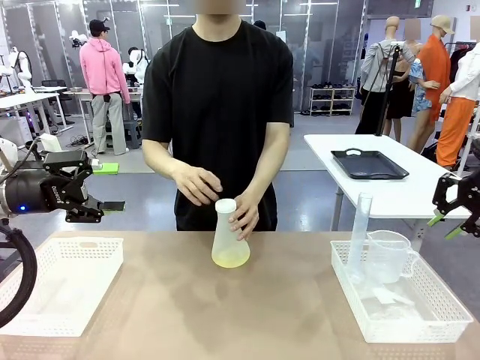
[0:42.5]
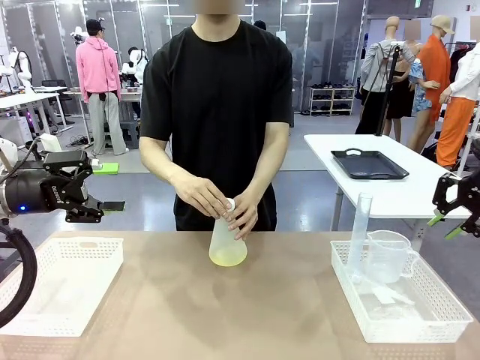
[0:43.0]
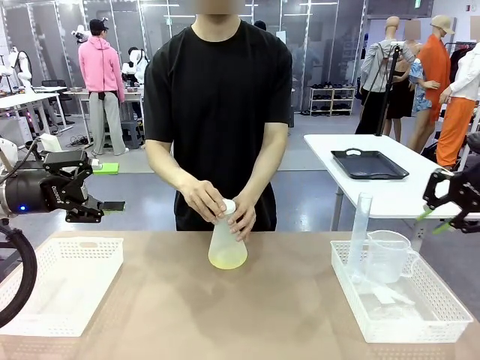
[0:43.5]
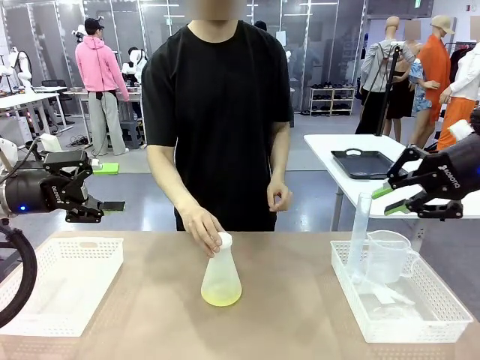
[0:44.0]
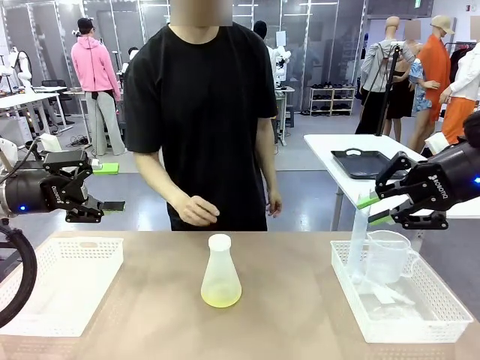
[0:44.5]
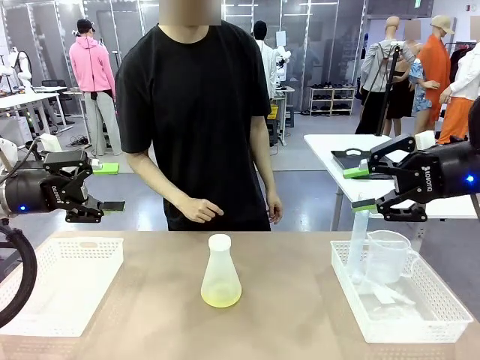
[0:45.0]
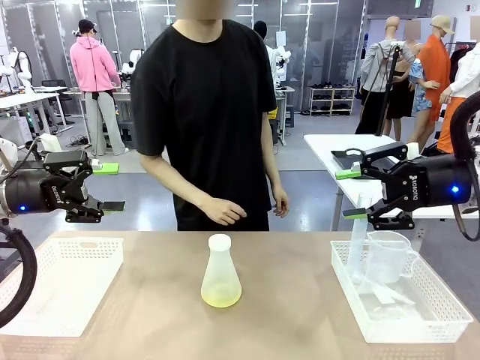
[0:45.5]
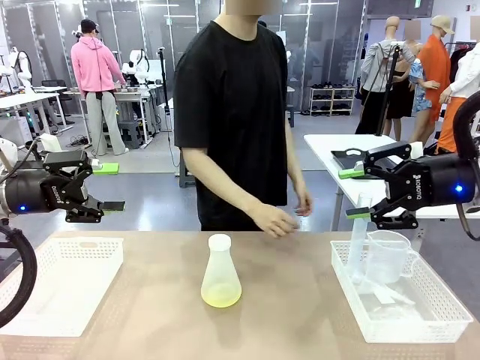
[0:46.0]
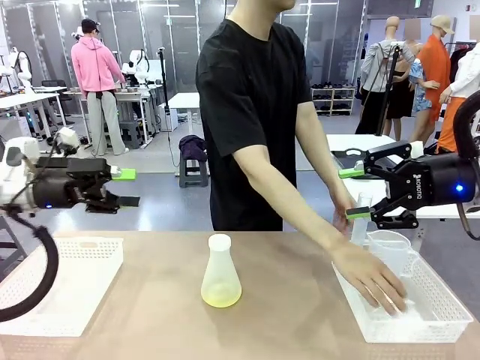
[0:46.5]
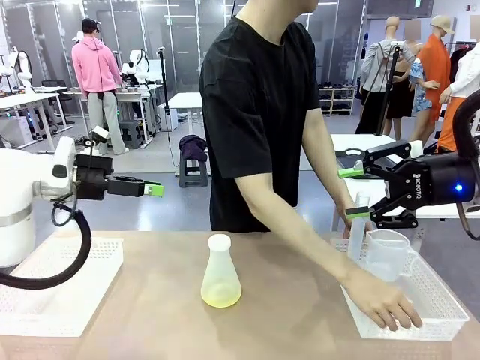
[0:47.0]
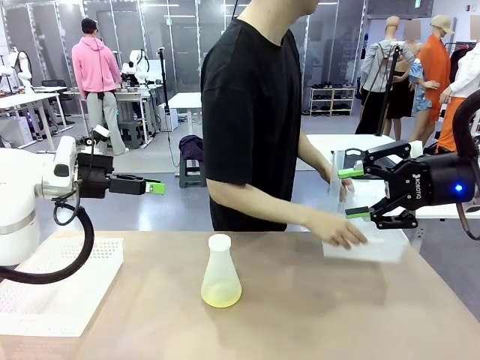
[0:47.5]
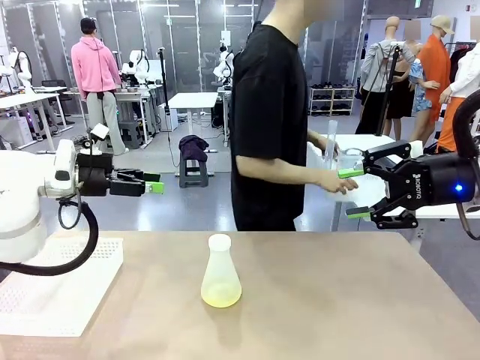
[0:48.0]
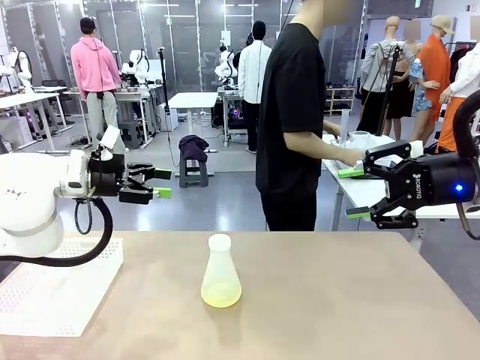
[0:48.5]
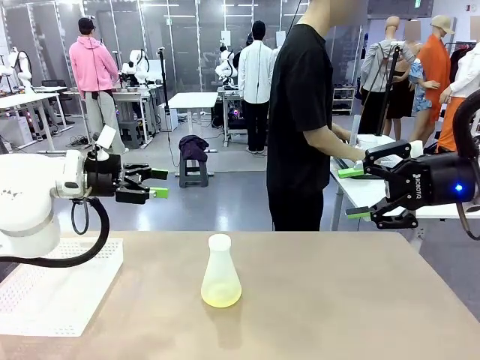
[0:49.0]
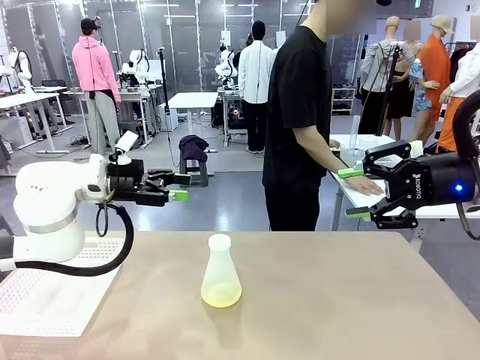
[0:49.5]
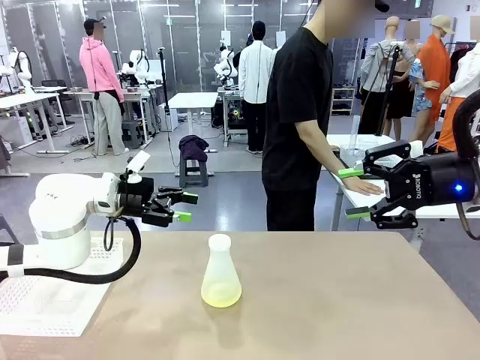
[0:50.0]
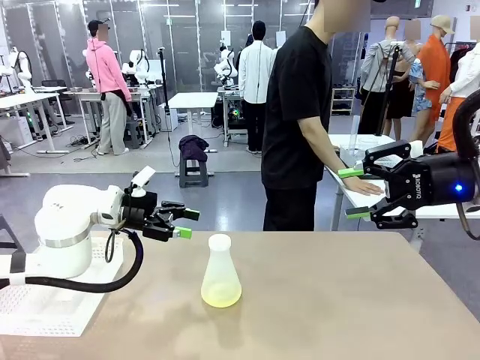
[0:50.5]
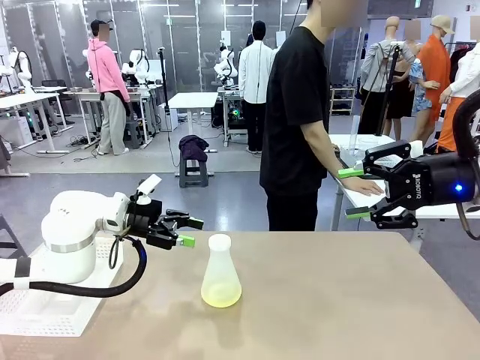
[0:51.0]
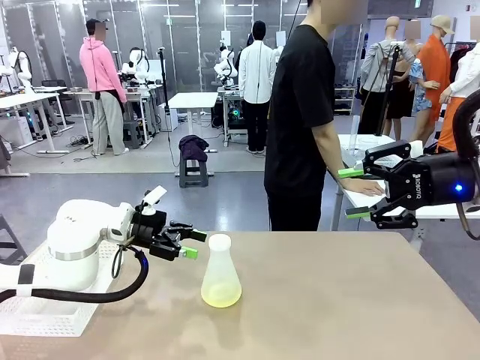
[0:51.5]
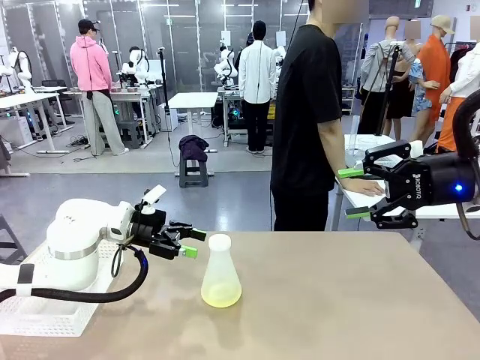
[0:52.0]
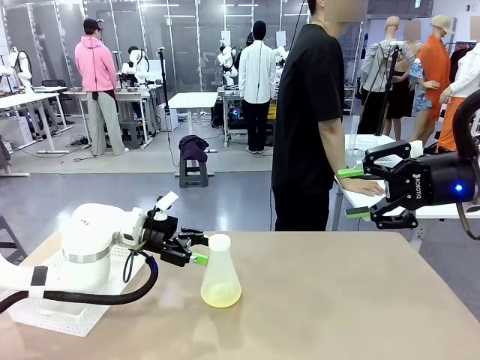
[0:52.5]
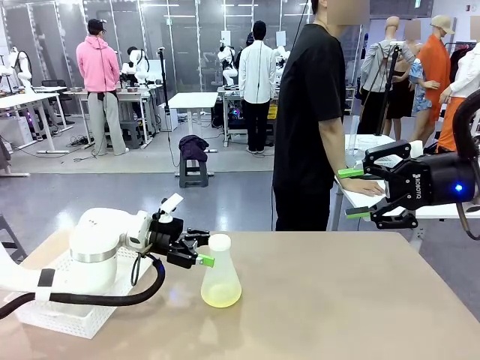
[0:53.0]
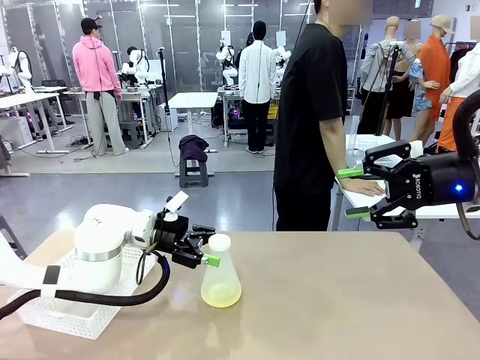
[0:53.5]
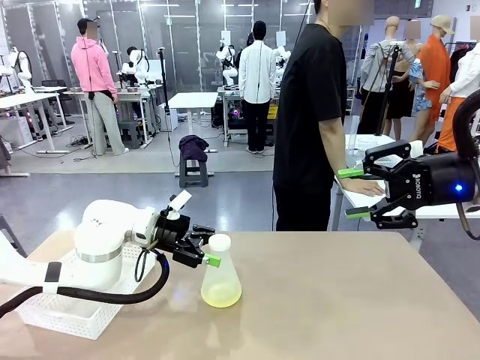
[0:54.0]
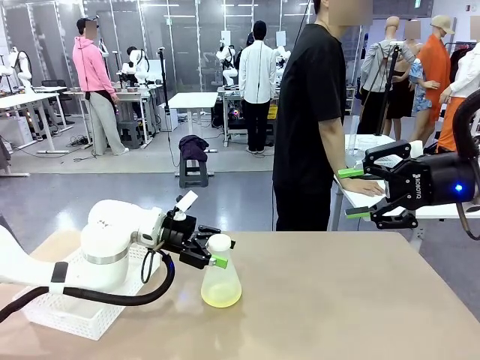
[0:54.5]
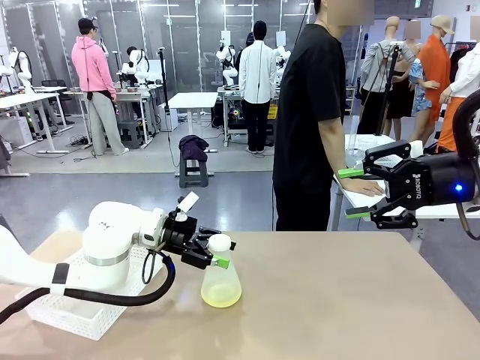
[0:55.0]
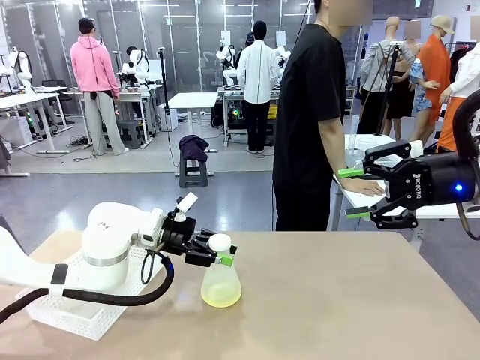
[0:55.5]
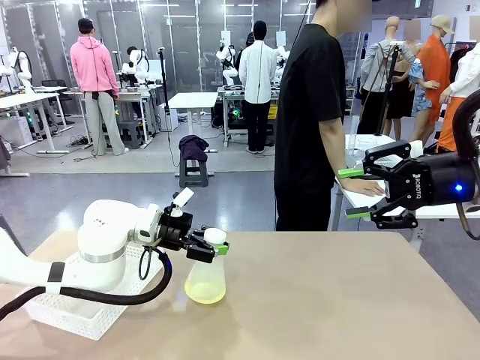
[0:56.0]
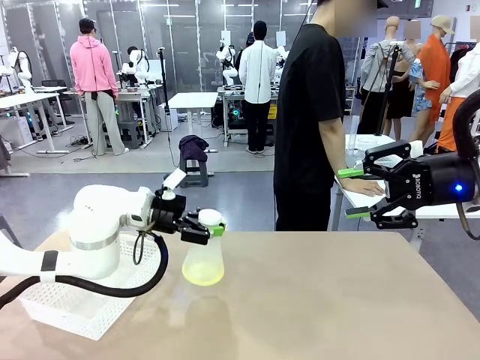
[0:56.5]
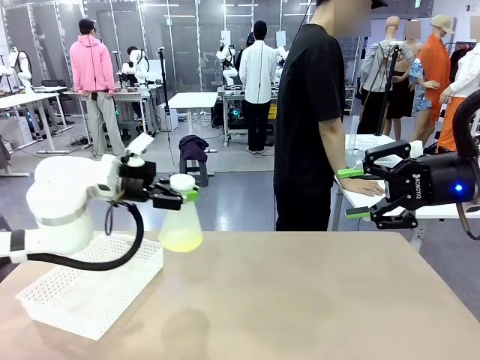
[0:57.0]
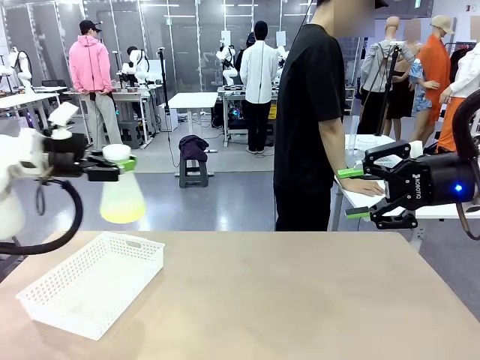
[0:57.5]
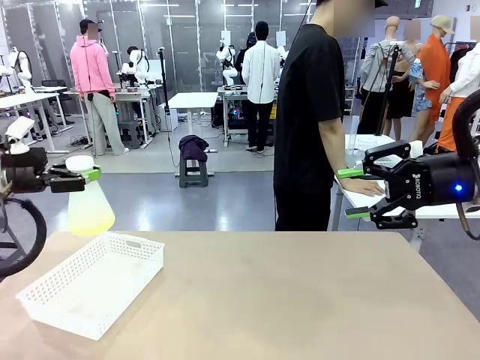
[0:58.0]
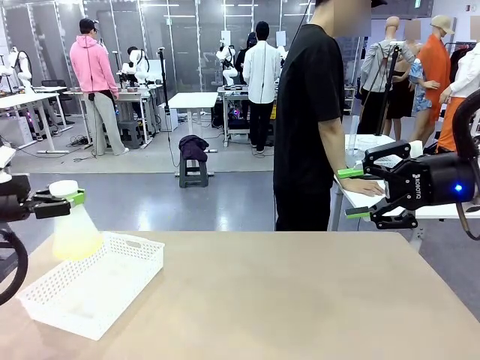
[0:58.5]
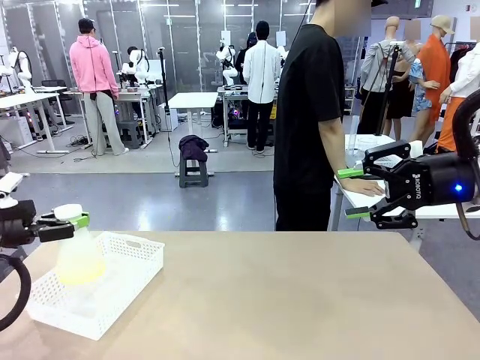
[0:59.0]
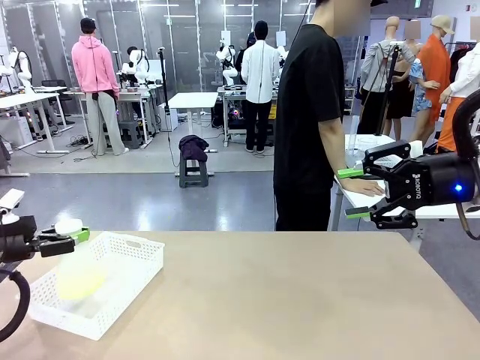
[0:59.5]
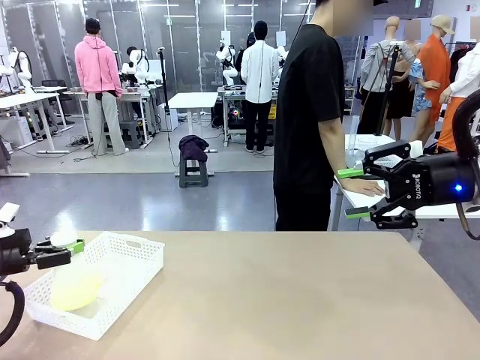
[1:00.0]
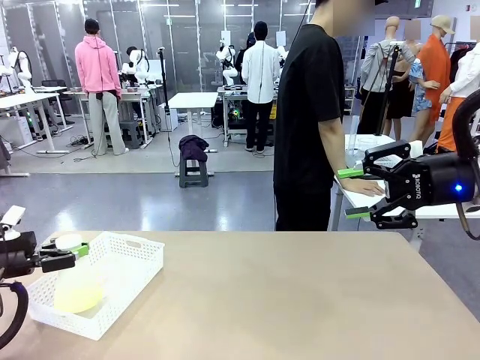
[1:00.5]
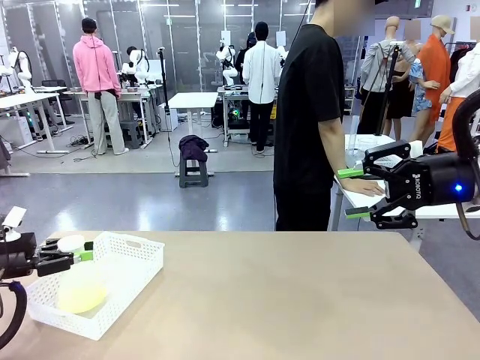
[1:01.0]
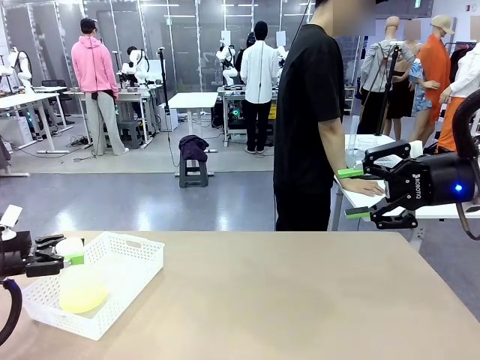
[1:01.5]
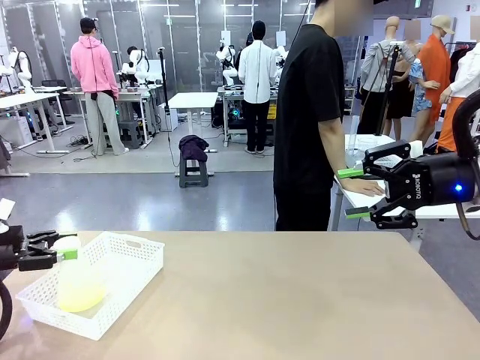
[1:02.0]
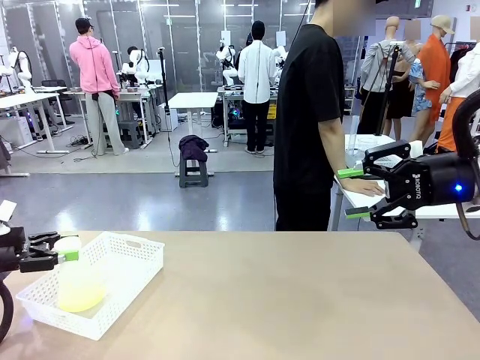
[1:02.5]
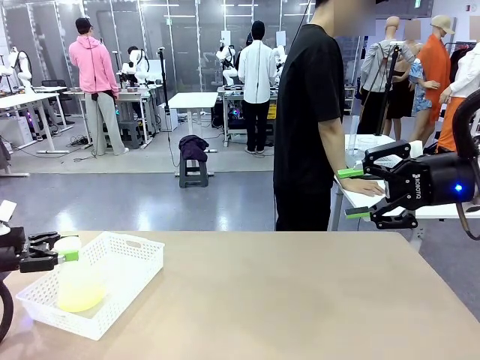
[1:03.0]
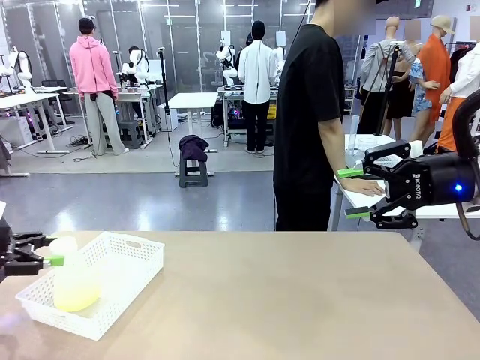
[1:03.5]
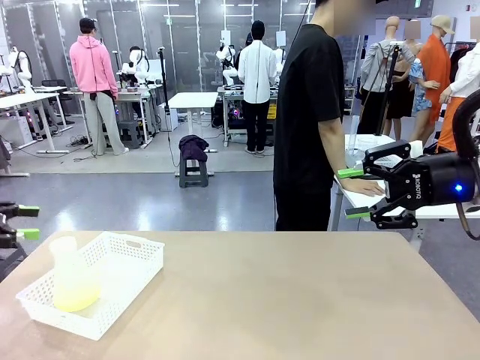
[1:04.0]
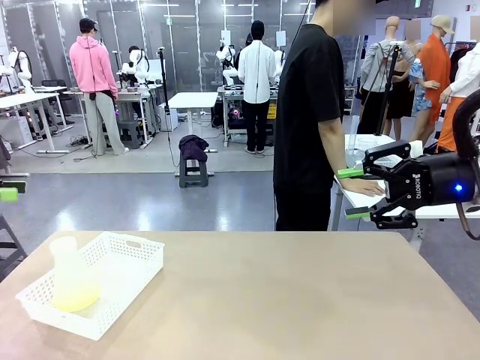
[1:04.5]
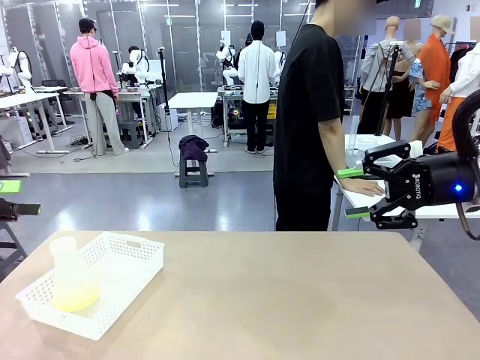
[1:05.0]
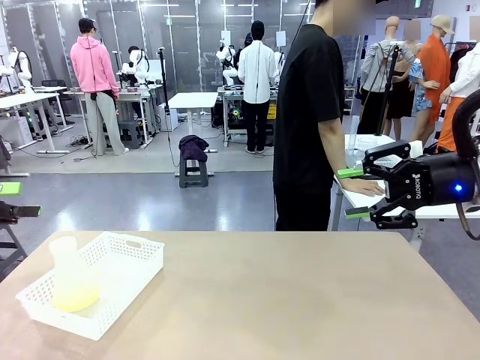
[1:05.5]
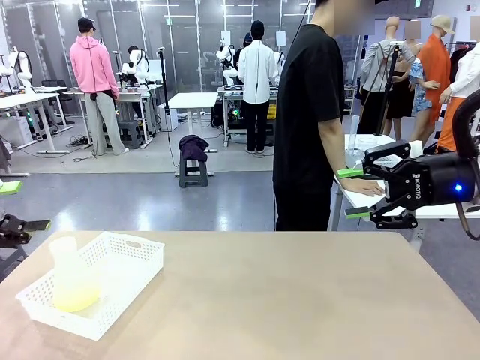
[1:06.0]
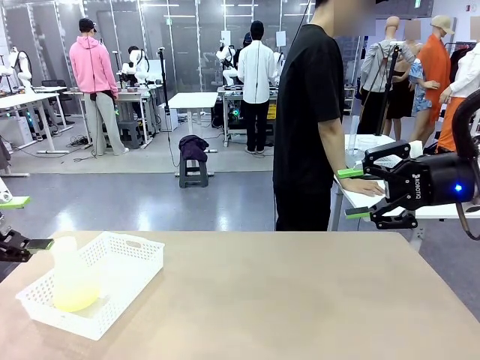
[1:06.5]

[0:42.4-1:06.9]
Task: Prepare the solutions needed for the experiment.
Robot: When the human places the Big flask in the center of the table, pick up the Big flask and place it in the left Organizing basket.
Person: Pick up the organizing basket on the left side of the robot table and place it on the left side of the human table.
